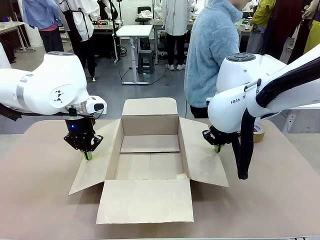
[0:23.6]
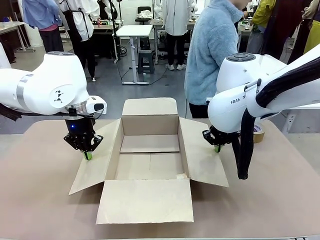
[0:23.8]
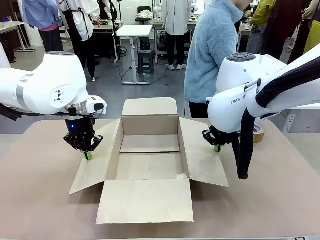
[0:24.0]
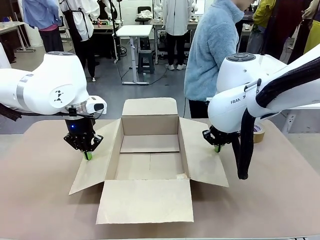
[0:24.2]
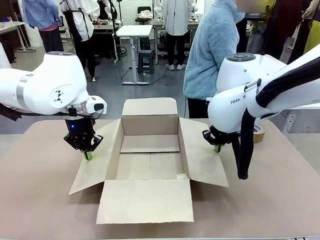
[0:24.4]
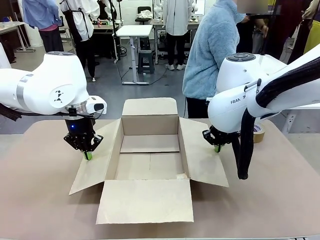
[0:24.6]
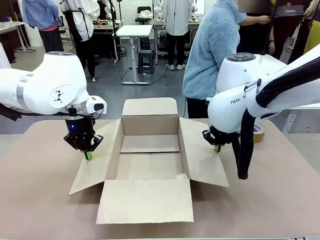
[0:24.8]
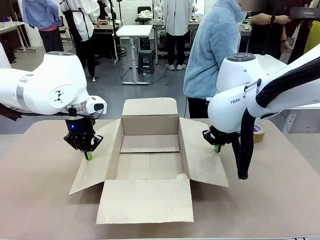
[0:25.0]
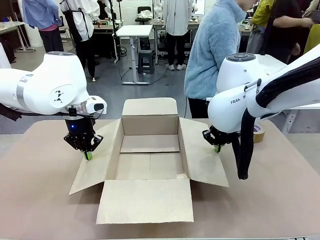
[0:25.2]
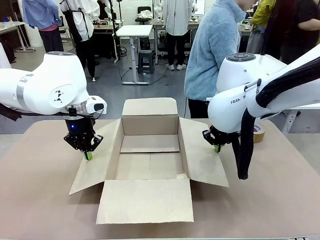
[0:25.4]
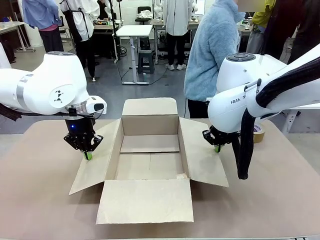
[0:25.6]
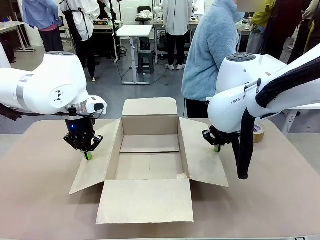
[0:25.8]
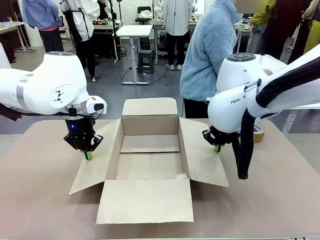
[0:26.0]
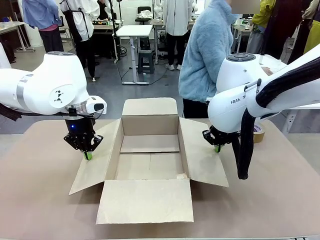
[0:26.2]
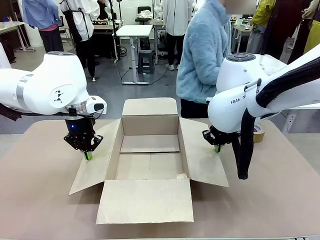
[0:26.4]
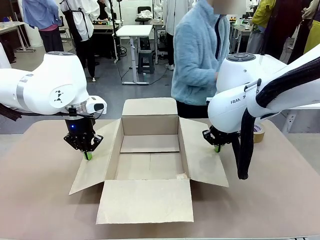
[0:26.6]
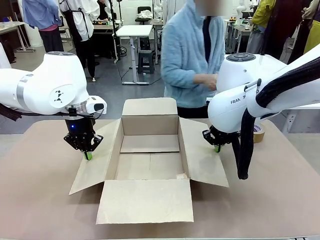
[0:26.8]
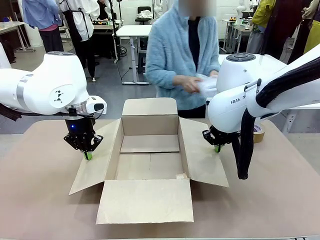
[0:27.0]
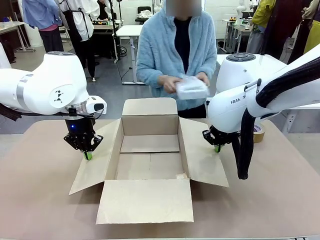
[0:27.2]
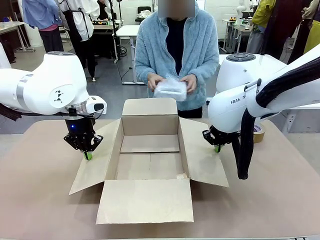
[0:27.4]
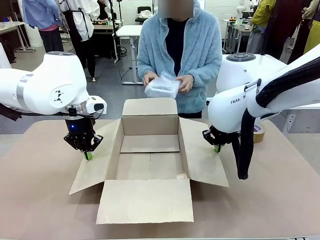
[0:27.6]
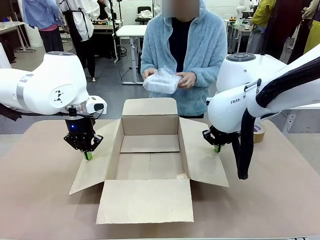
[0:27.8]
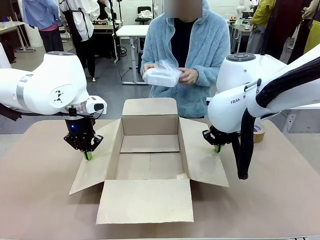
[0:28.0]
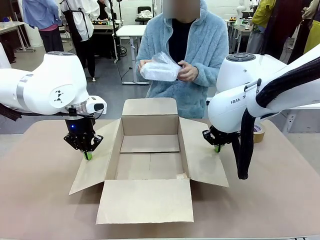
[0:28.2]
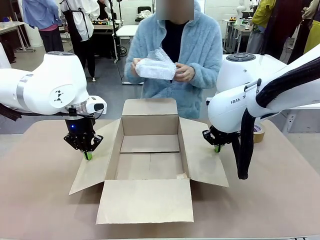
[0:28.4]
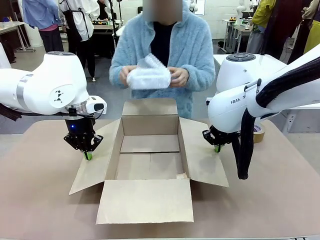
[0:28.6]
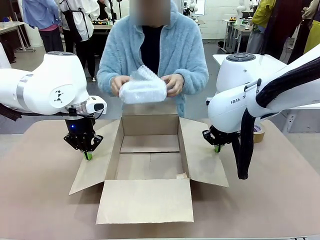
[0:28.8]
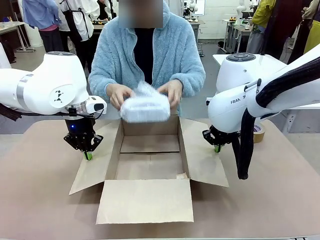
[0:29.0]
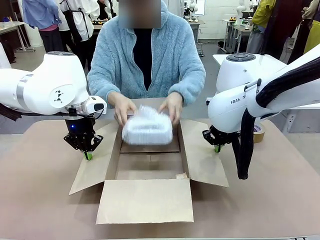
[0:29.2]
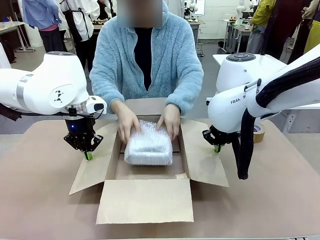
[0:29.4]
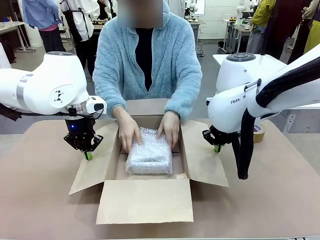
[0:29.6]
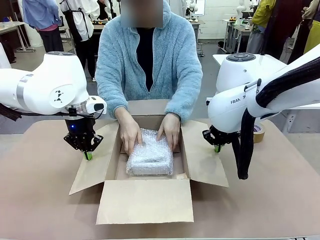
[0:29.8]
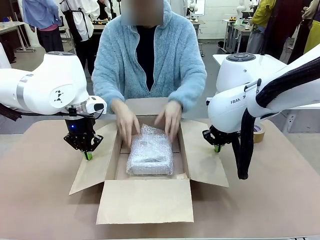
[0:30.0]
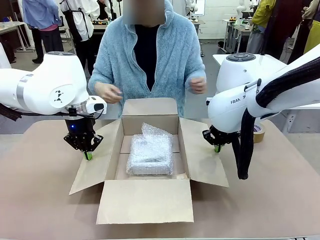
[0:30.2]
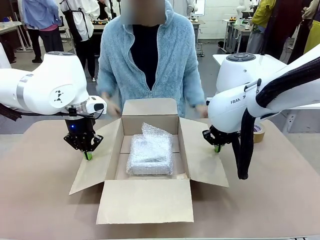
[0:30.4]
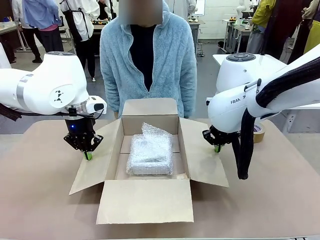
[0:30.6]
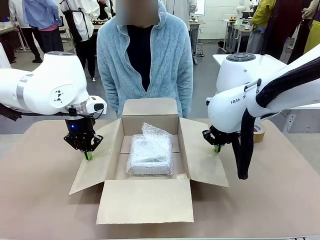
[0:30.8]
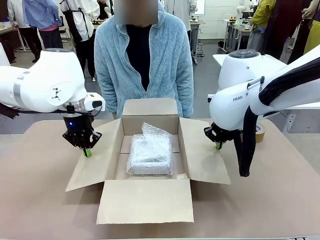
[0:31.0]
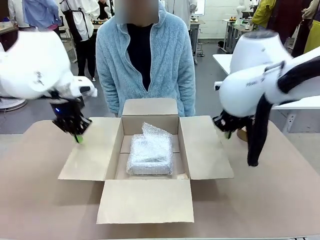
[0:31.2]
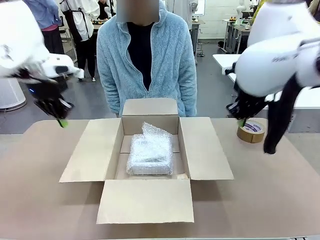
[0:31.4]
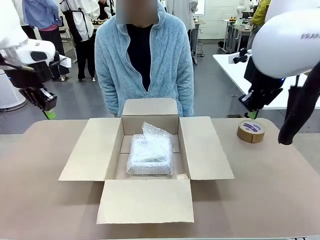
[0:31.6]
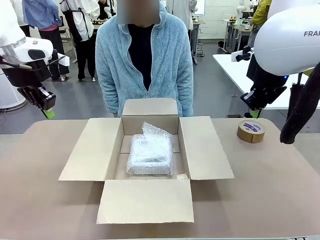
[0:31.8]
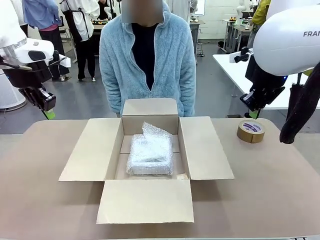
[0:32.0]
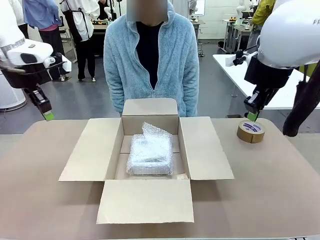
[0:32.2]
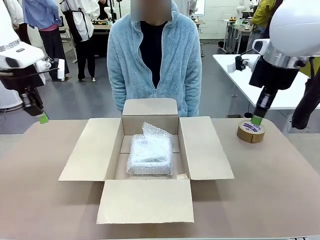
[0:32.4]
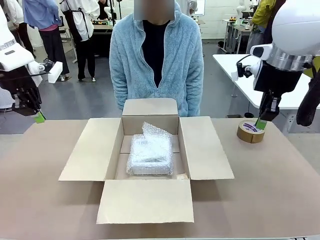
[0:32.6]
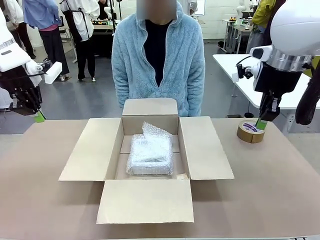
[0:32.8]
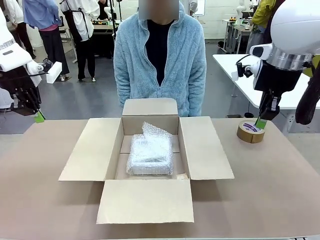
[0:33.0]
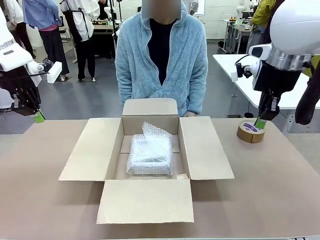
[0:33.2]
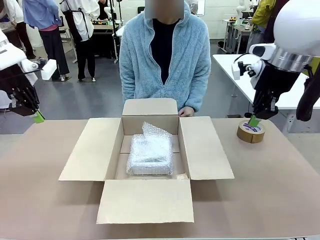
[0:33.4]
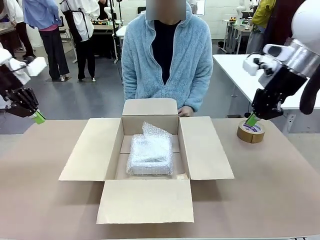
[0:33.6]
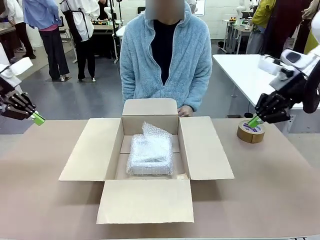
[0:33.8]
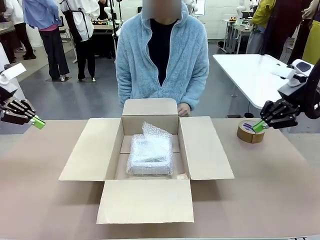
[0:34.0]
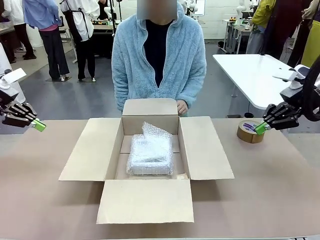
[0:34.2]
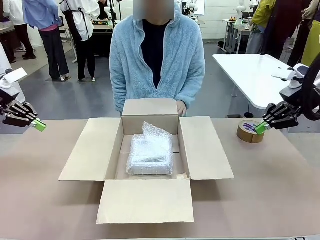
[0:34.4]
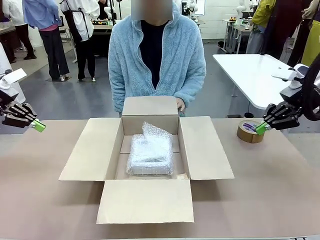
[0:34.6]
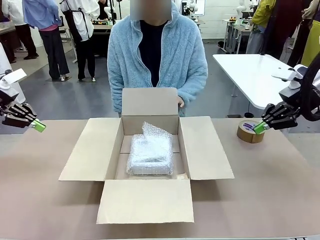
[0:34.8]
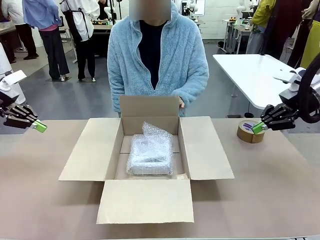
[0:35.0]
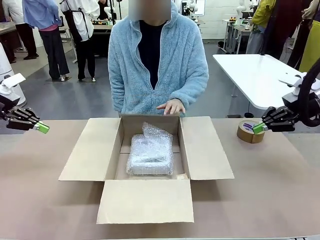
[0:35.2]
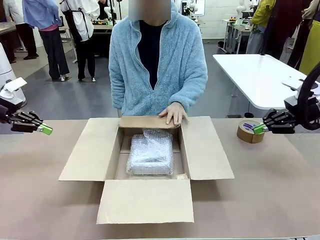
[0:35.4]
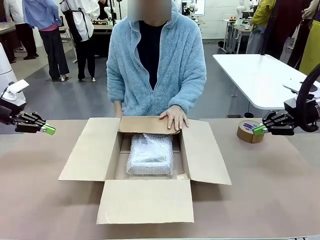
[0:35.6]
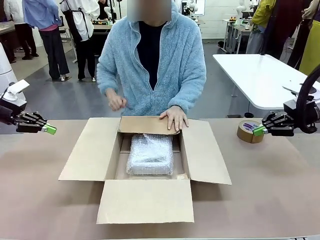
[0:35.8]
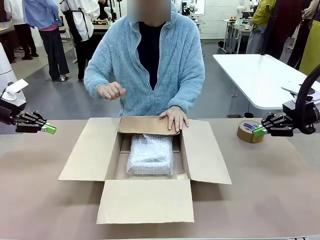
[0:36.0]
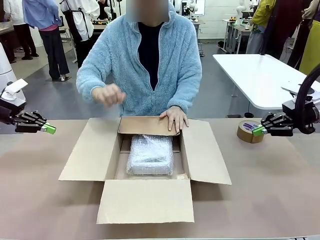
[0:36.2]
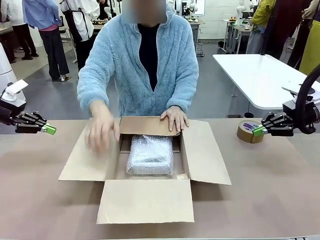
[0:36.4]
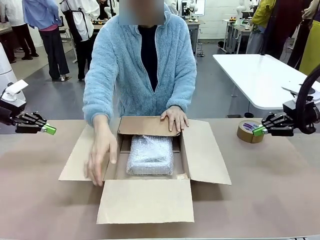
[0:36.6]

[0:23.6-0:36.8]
Task: Wrap the clocks to prevent damage.
Robot: Once the human has placed the objects inside and stepped back, release both hands from the side flaps of the Package Box.
Person: Place the wrapped Digital clocks inside the Package Box. Hold the top and bottom flaps of the Package Box closed with your left (or right) hand.

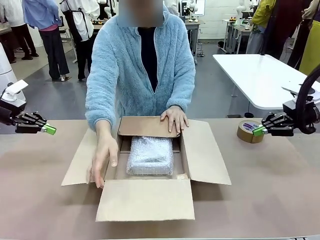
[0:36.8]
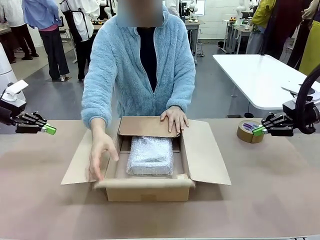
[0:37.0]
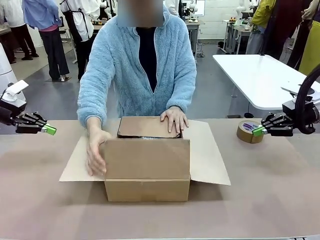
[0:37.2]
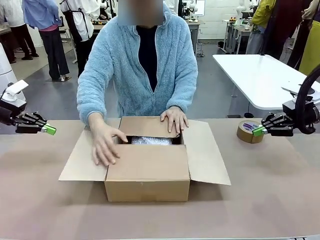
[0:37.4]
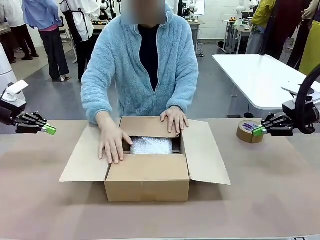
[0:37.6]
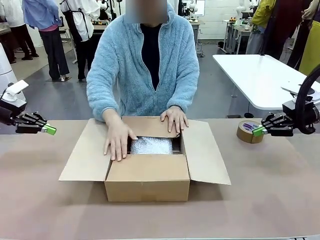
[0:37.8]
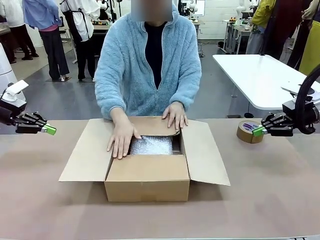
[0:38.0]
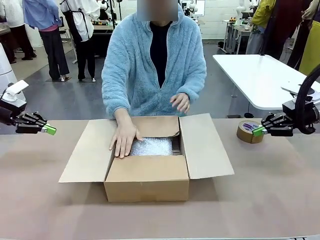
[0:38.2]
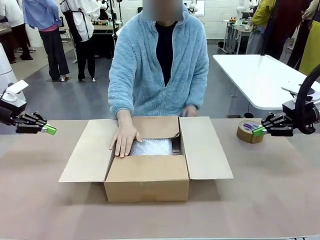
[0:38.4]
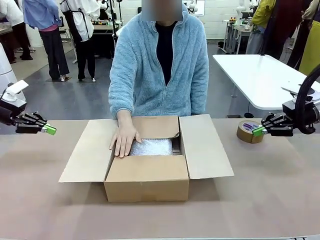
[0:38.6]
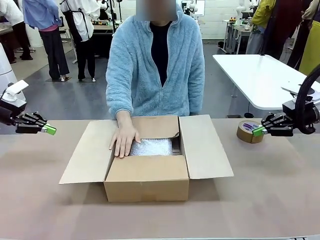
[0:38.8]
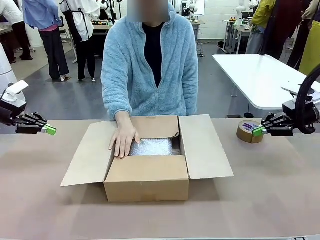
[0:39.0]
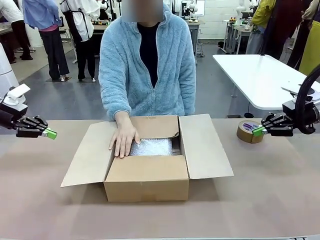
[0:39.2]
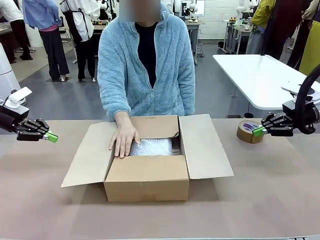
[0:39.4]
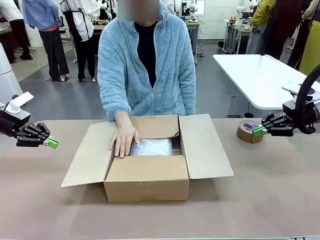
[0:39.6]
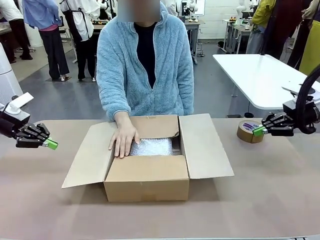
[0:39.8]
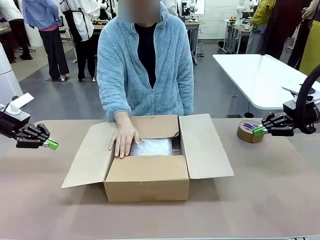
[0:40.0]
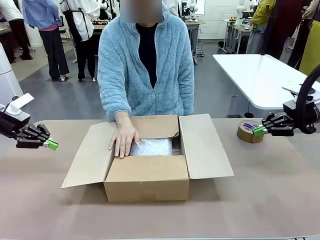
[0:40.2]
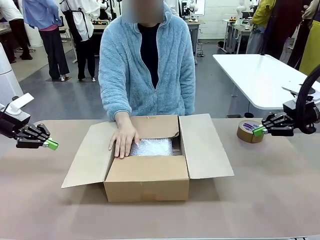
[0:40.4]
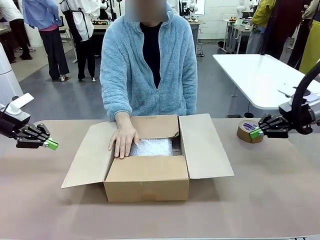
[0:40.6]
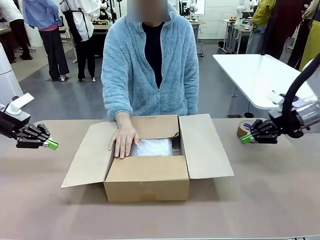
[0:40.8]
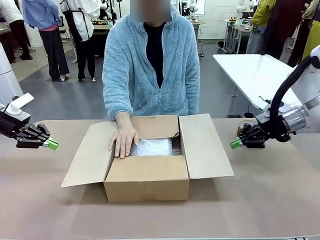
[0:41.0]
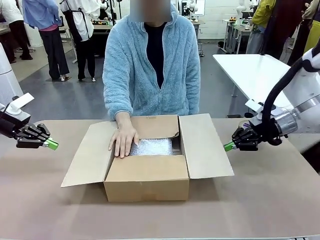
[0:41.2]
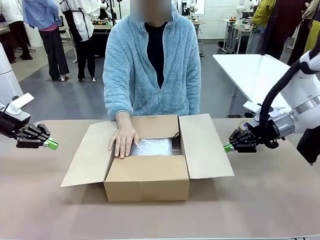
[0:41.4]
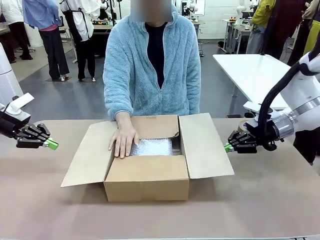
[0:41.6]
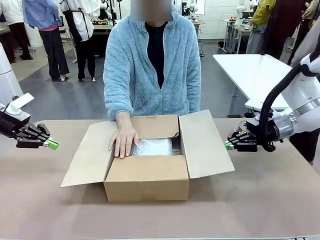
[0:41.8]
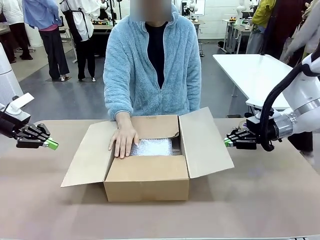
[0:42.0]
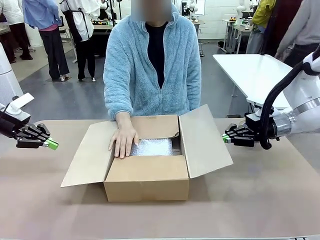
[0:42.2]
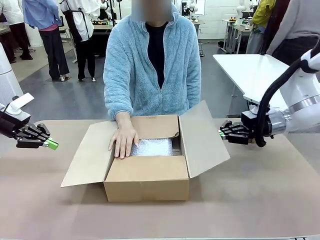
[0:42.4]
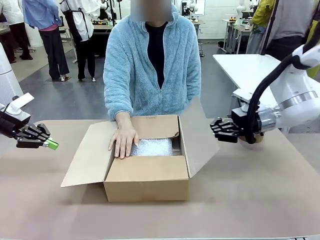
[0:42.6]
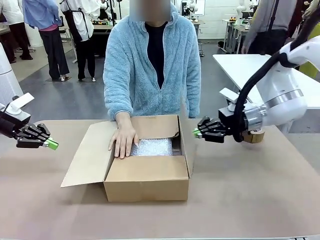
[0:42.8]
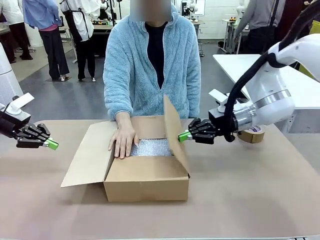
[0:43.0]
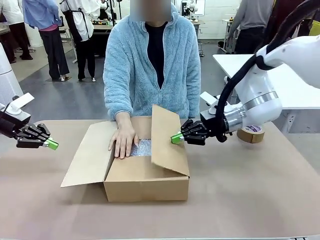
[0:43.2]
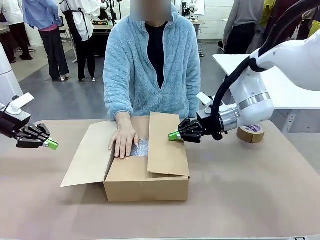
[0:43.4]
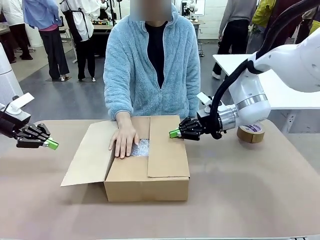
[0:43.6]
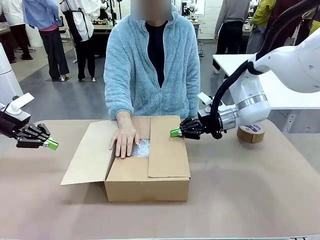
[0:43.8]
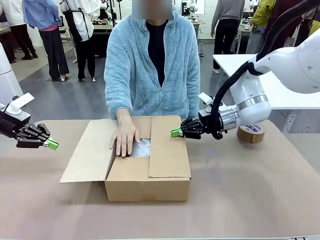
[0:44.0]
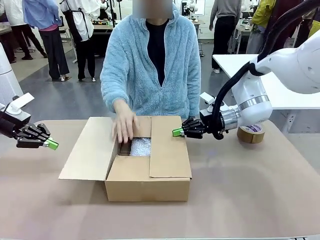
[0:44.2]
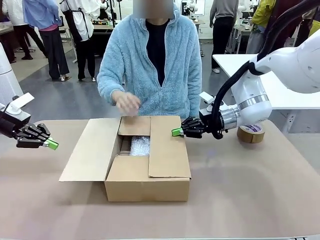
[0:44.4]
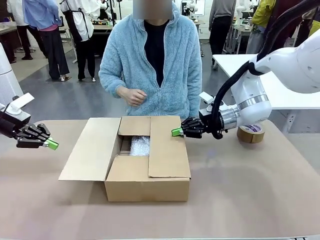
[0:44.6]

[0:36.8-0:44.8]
Robot: Push the right (or left) flap of the Package Box to close it.
Person: Once the robot closes the right flap of the Package Box , release your left hand from the box.
